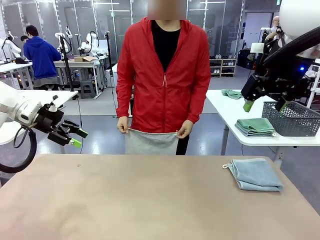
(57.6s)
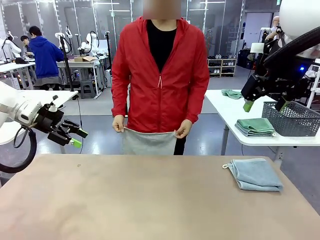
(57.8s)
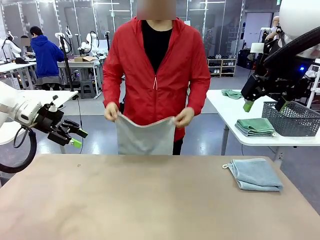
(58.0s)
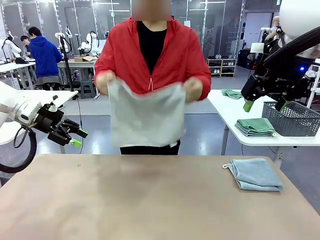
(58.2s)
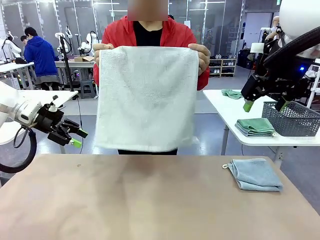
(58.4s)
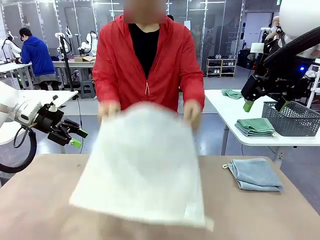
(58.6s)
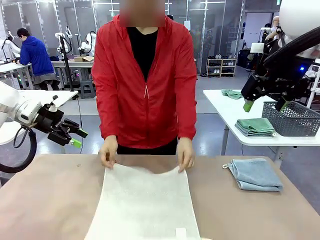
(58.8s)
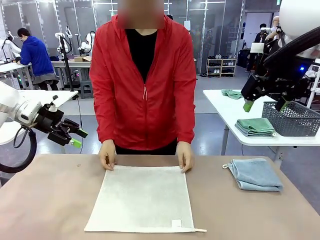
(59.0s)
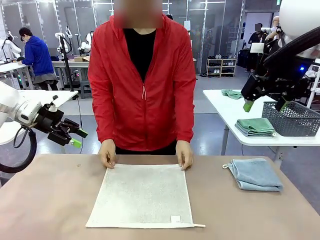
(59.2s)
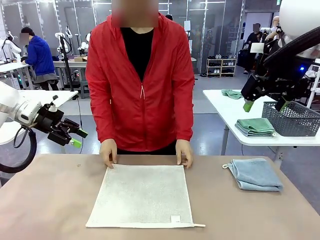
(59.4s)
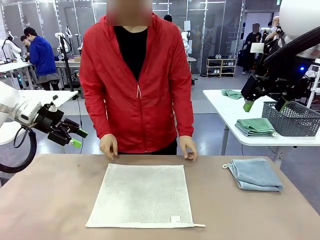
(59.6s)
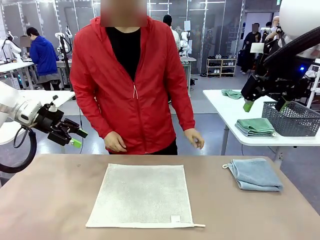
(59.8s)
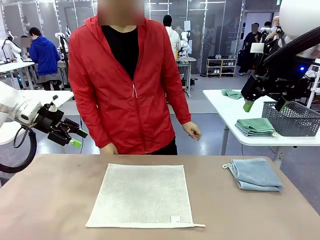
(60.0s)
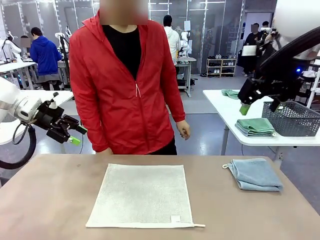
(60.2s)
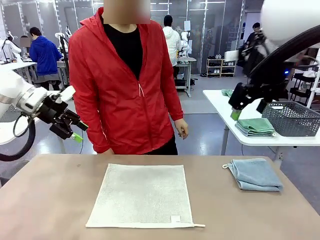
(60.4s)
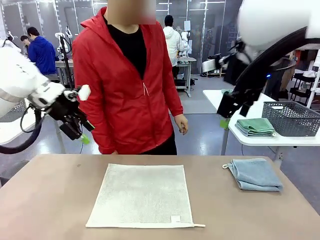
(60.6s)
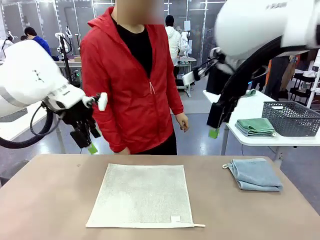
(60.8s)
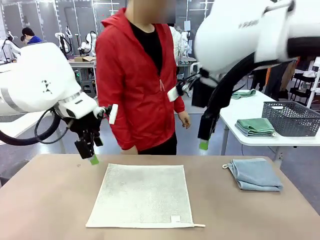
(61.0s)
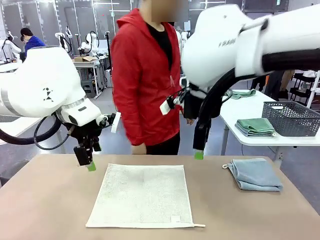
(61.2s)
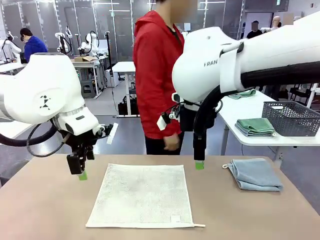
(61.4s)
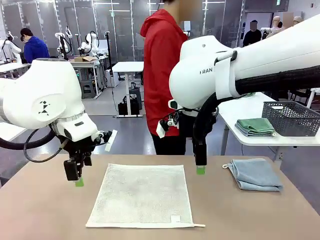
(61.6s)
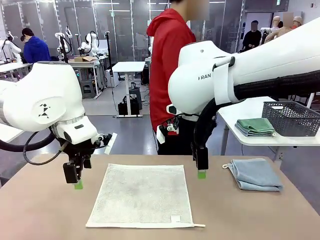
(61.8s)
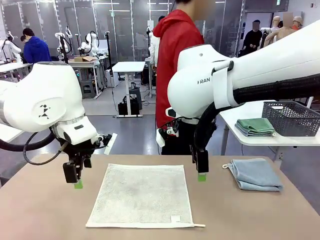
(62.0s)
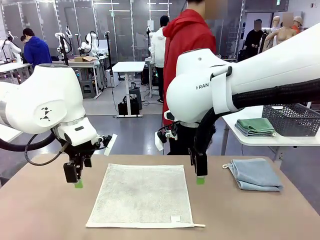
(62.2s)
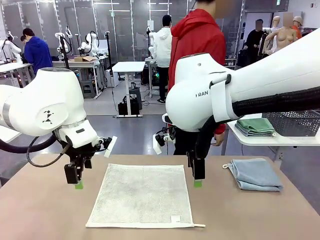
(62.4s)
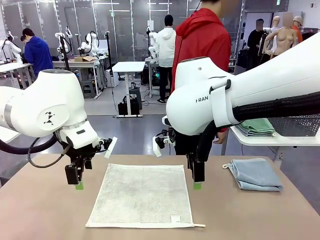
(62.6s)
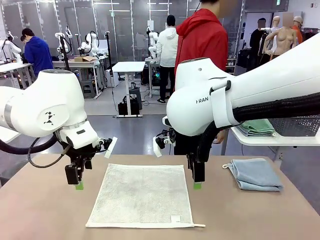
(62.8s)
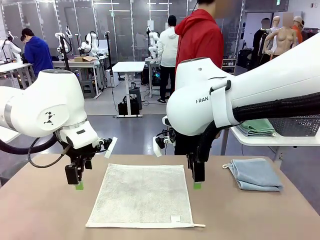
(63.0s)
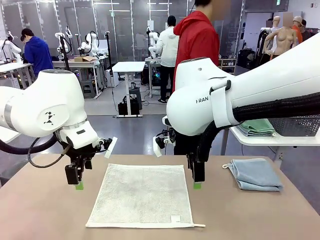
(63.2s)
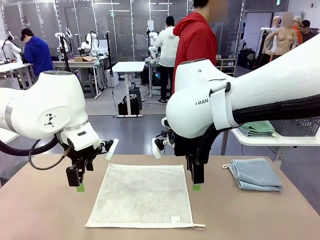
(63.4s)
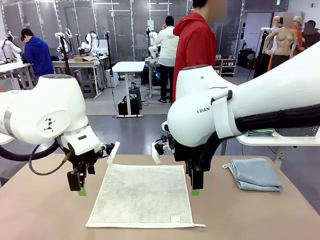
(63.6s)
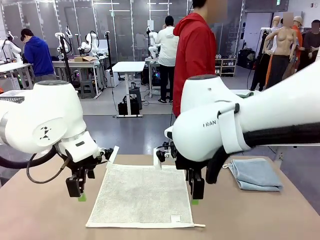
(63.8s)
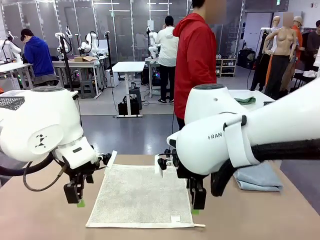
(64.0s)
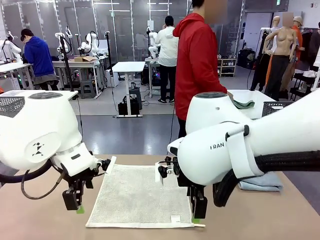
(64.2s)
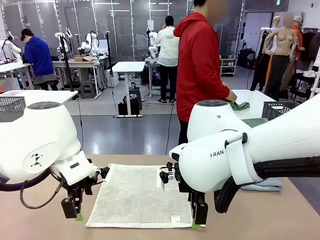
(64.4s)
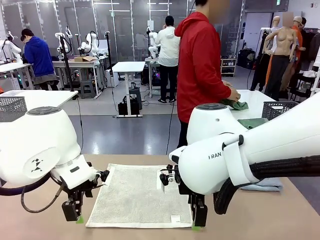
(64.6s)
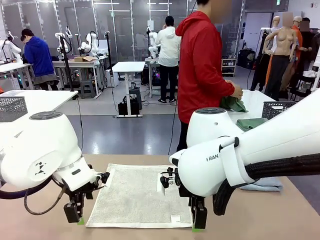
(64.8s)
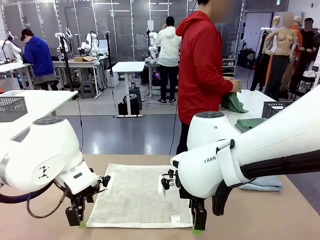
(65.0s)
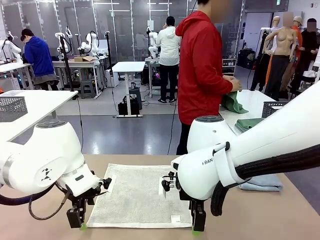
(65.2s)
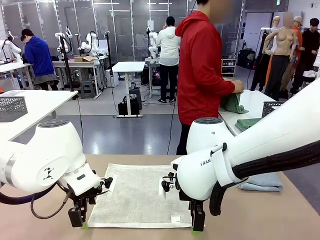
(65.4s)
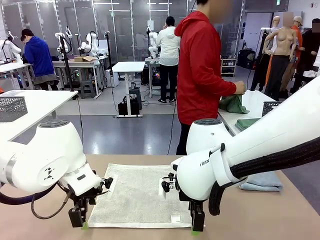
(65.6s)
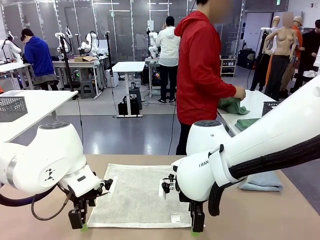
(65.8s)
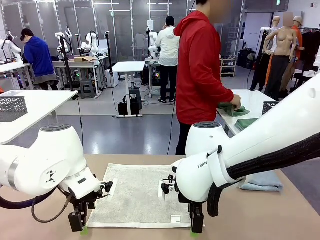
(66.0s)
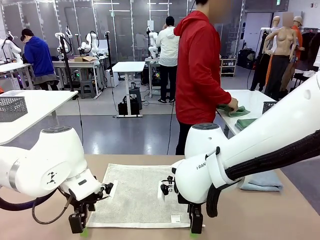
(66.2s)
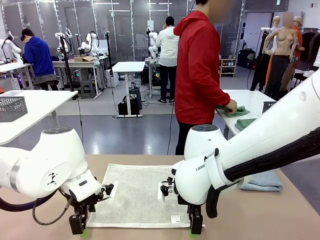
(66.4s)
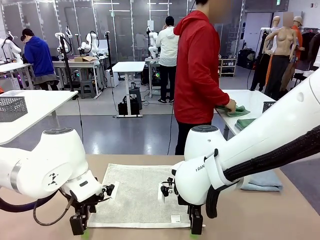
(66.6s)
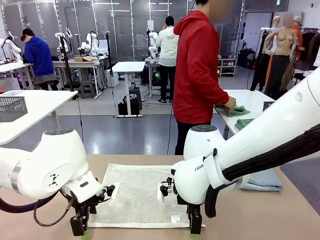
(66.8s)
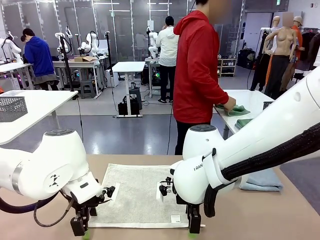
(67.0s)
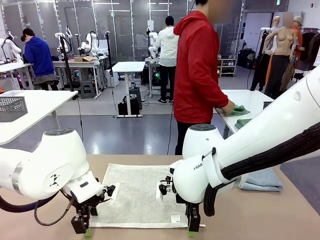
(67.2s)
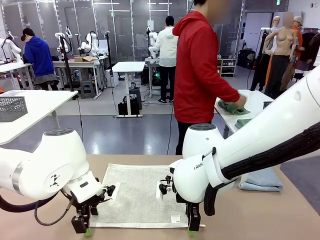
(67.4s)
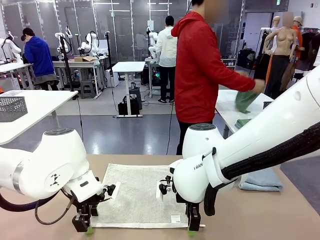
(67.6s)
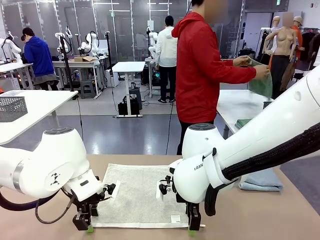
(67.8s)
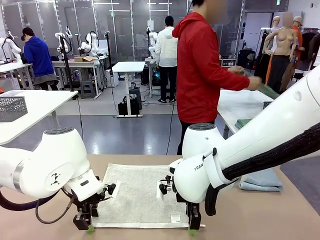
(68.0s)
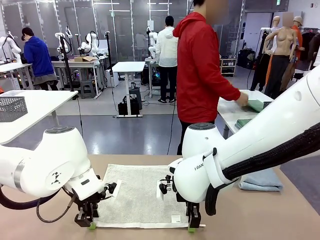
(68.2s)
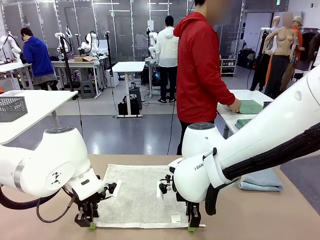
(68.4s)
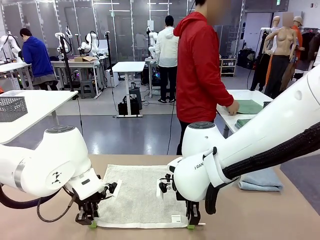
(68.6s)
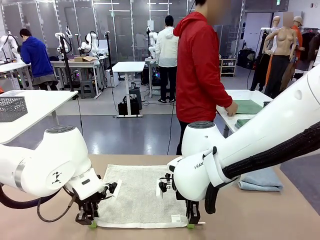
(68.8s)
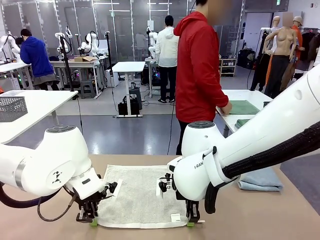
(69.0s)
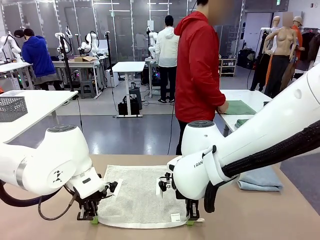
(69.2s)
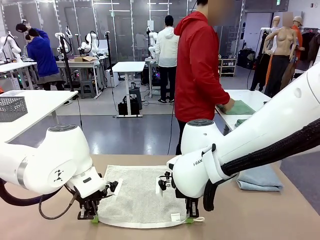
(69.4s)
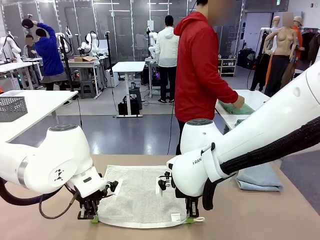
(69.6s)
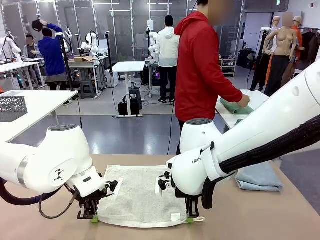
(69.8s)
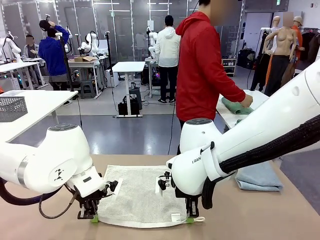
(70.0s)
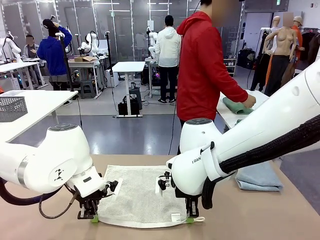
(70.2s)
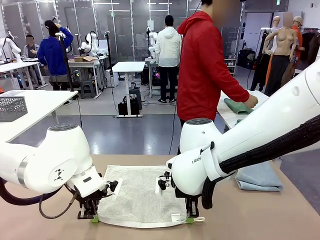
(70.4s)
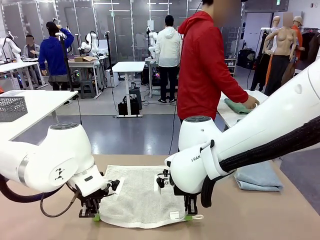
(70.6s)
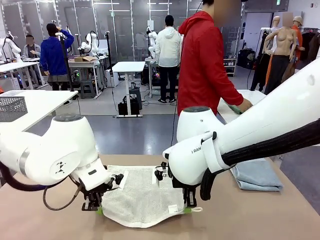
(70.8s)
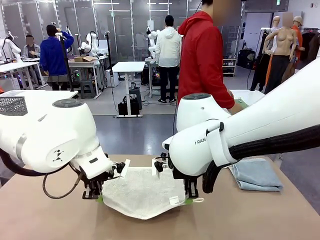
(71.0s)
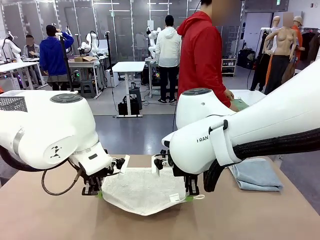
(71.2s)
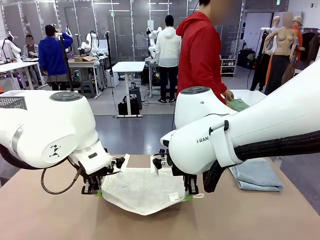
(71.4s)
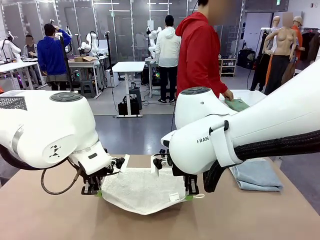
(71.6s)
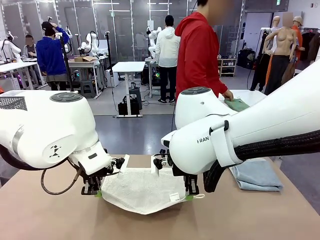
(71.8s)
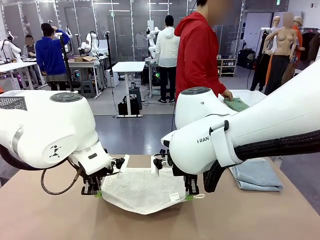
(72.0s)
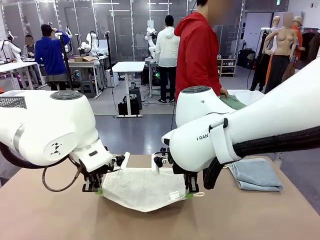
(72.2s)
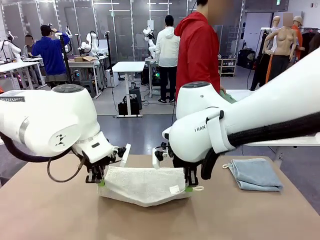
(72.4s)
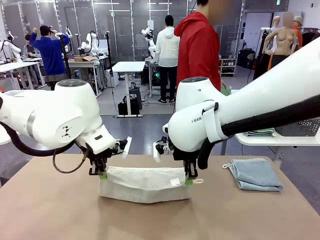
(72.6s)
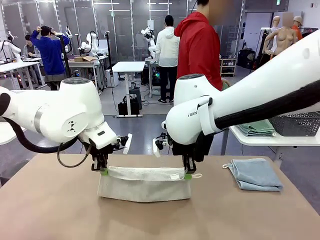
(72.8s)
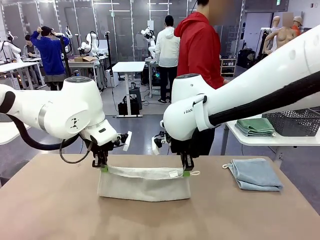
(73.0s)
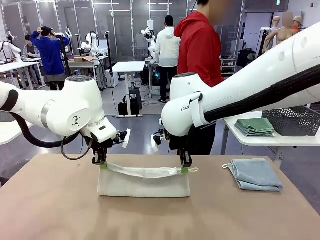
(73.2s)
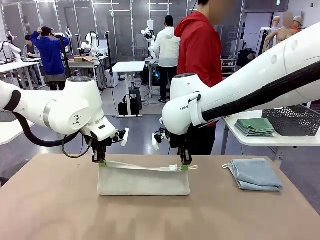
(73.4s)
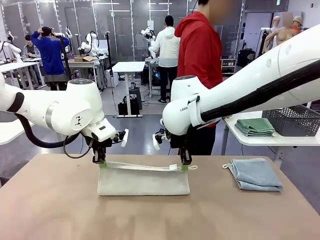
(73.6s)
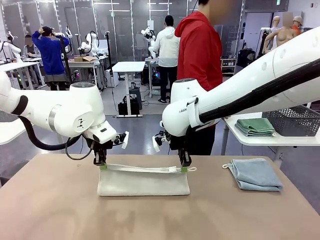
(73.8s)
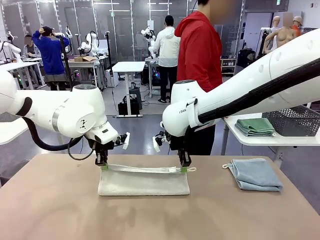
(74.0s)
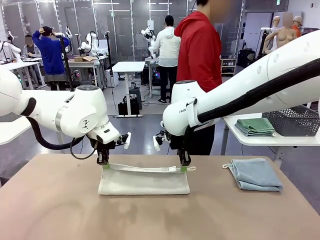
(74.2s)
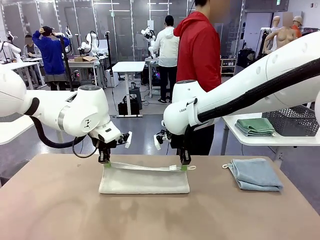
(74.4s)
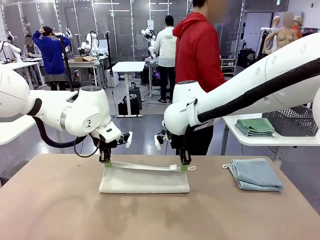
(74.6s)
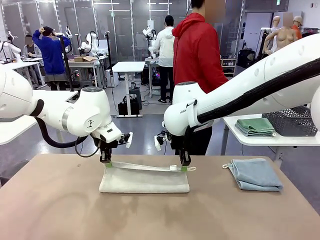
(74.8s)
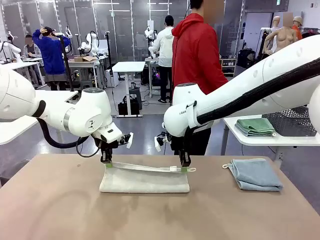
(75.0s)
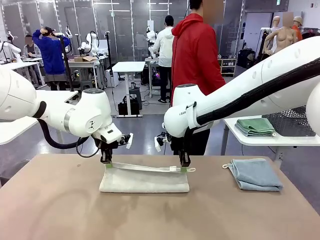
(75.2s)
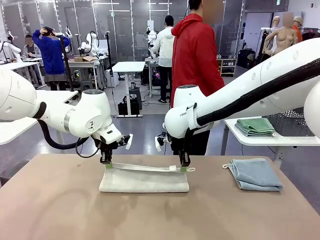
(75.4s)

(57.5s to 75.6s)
Task: Fold the towels and place them in the basket.
Robot: When a person lays out a Towel with hook on the table, fold it in half twice.
Person: Pick up one towel from the left side of the human table, fold it in half twice, and stack it on the right side of the table.
